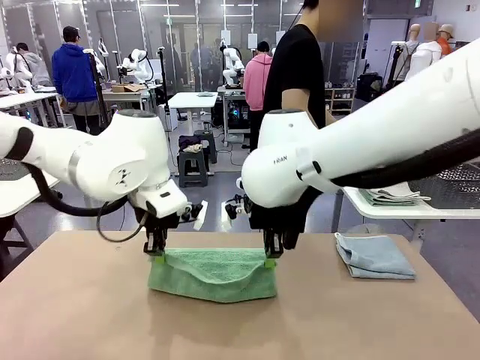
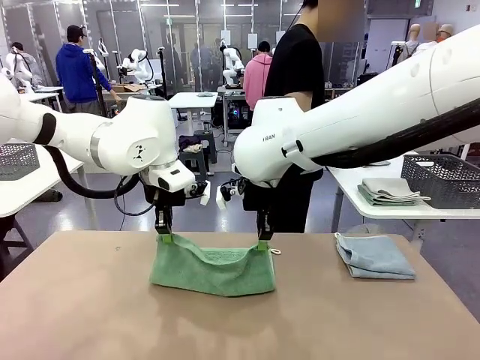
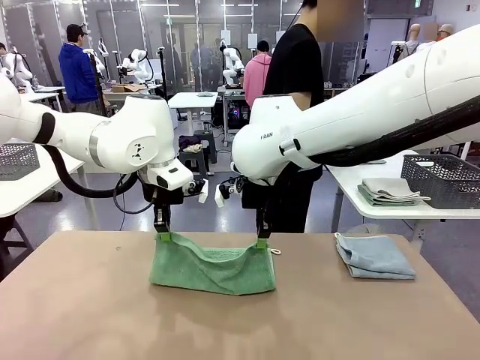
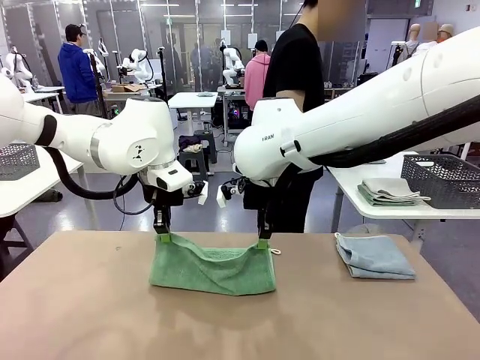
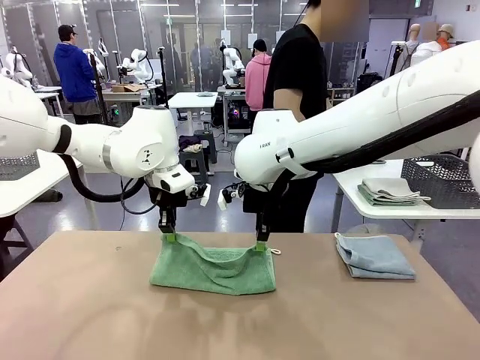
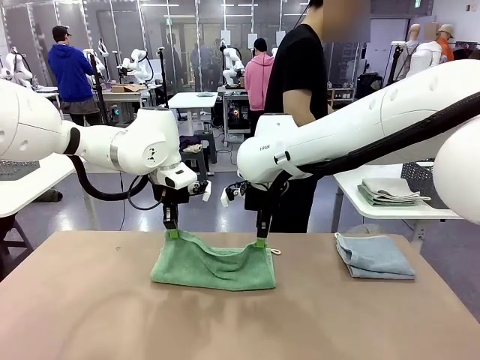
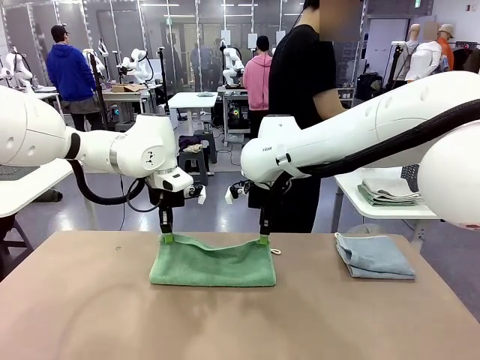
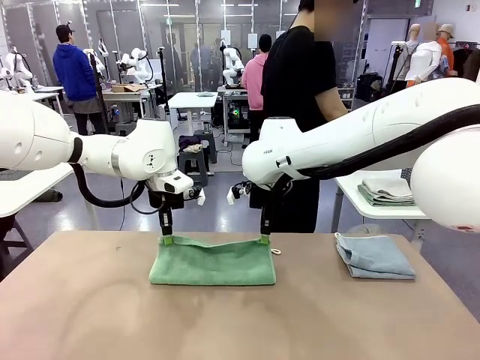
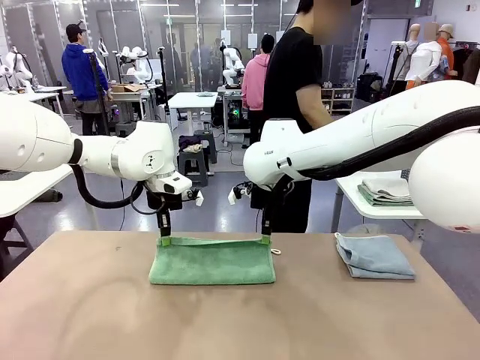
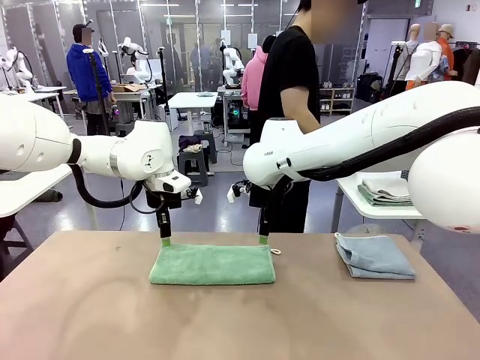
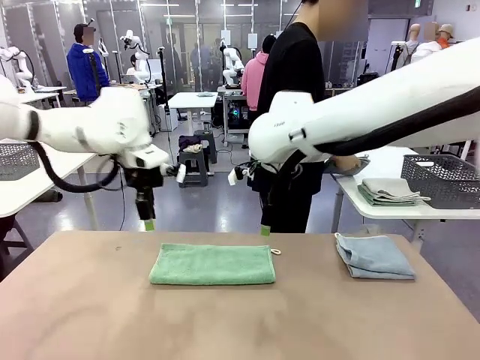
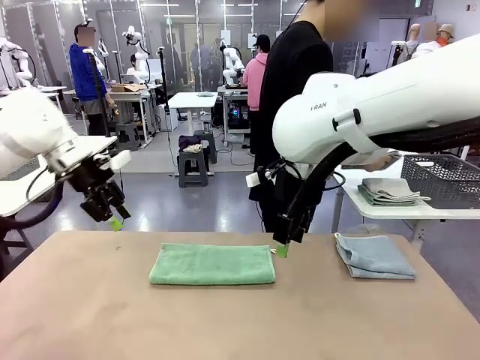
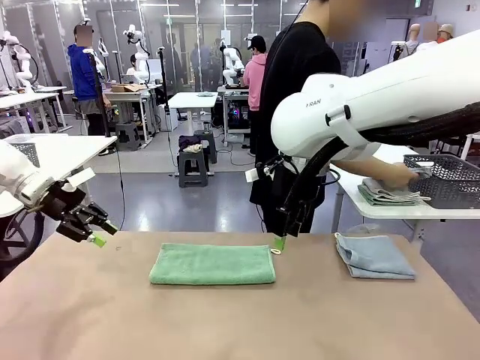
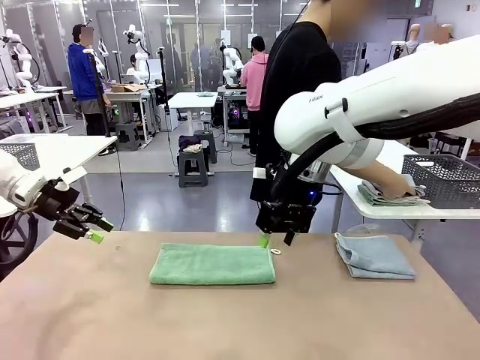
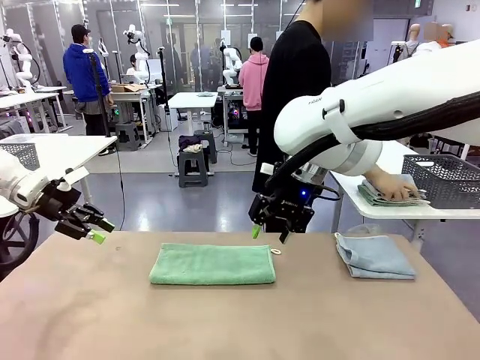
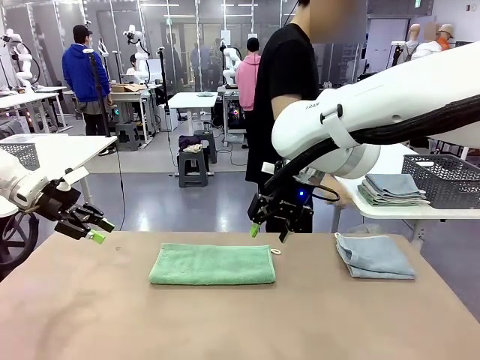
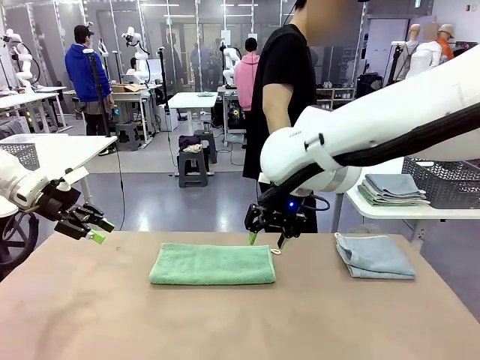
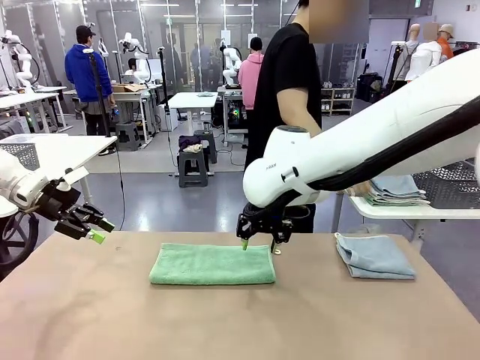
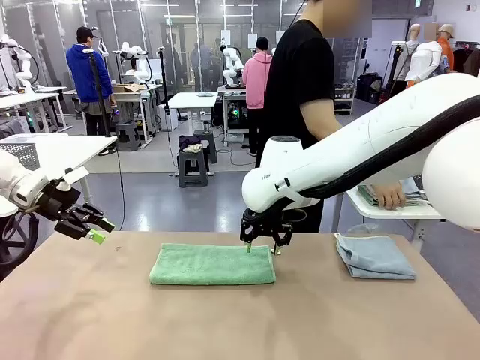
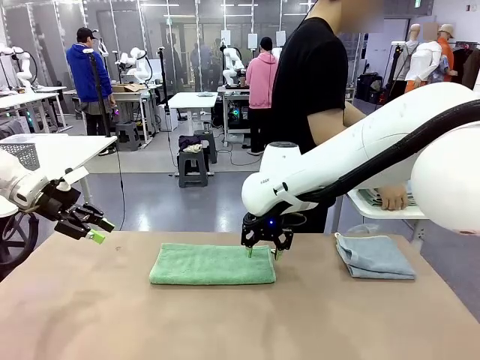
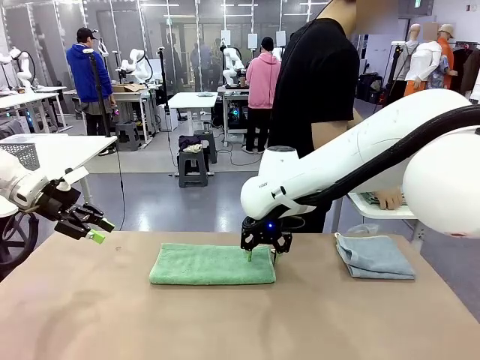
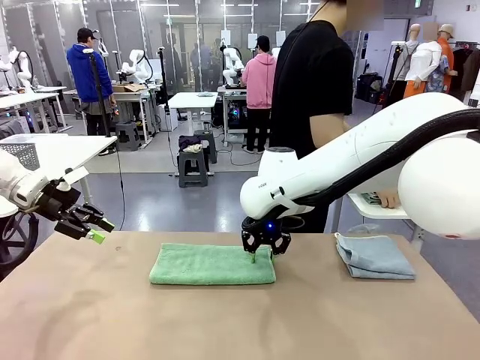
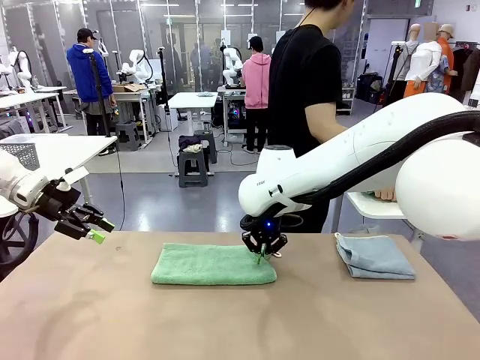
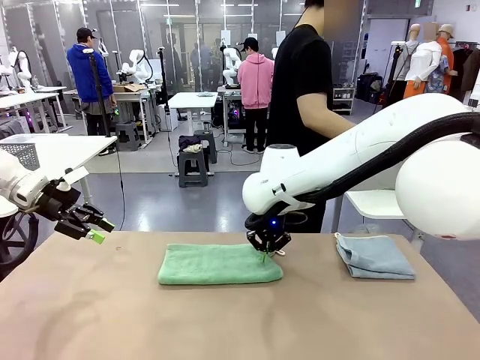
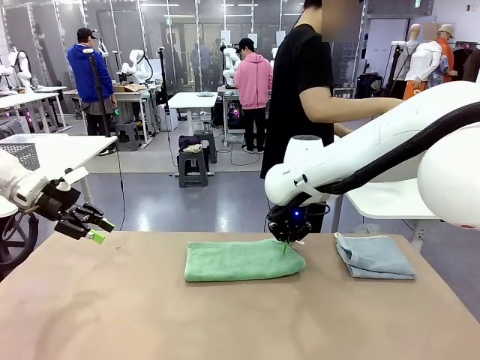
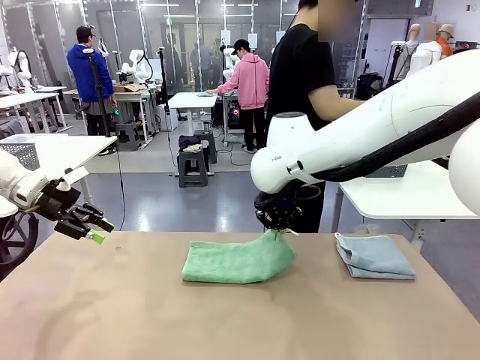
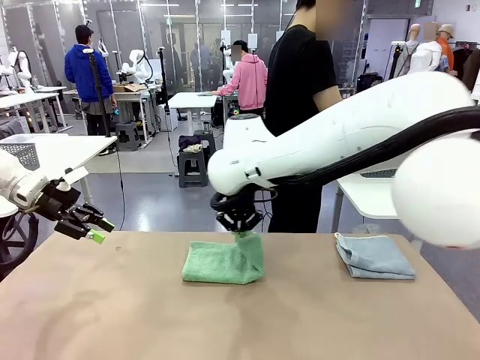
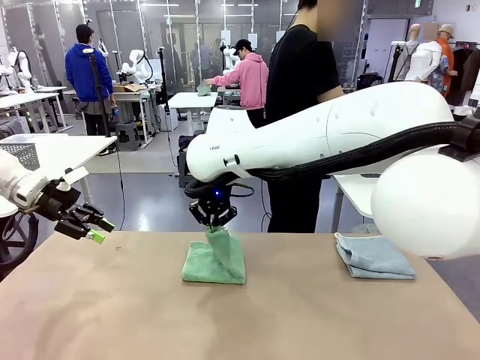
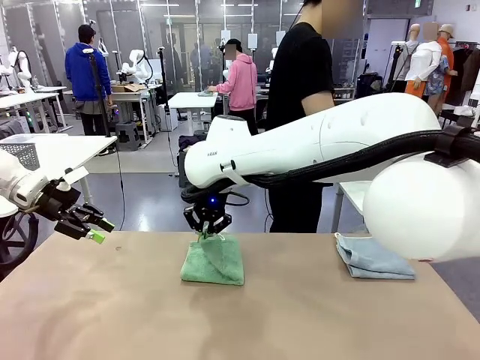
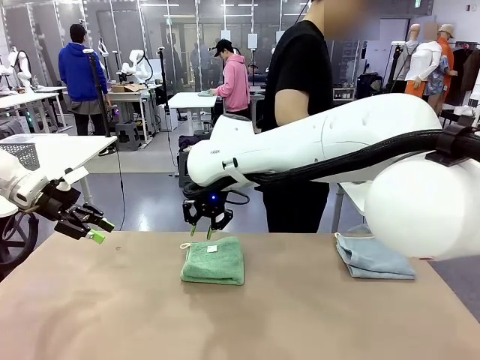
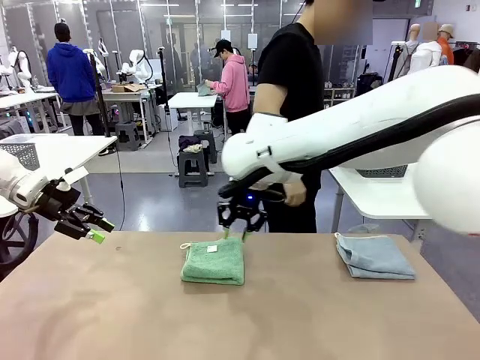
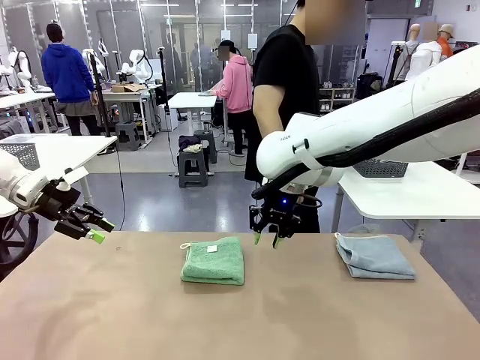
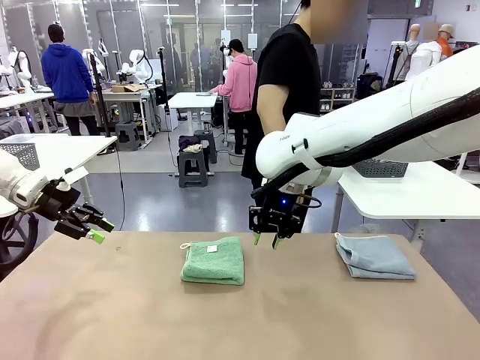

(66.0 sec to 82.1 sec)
Task: Fold the towels and place them in the basket.
Robot: When a person lays out a Towel with hook on the table, fold it in half twice.
Person: Pick up the stack of towels from the right side of the human table, place it into the basket, and put the basket at the center of the table.

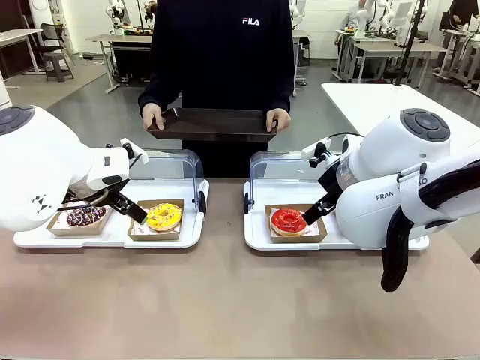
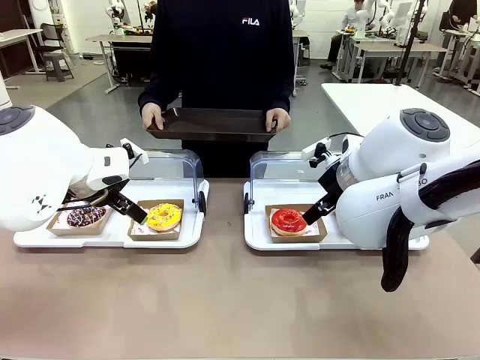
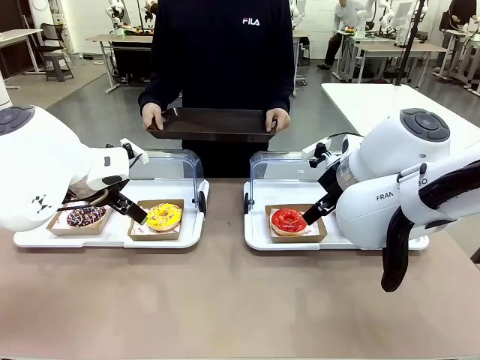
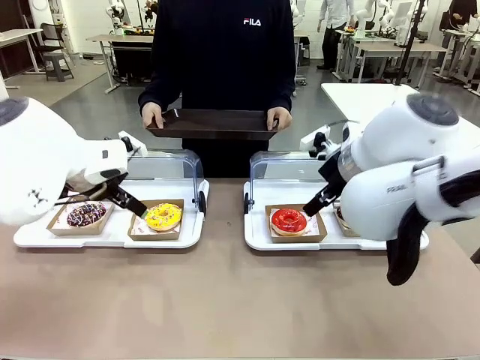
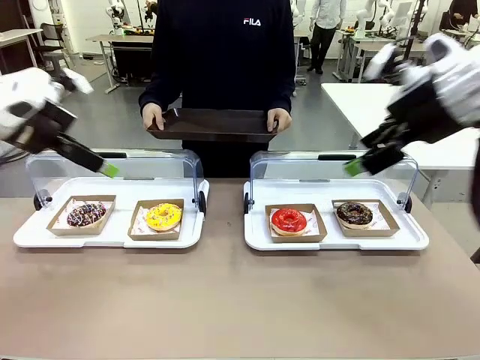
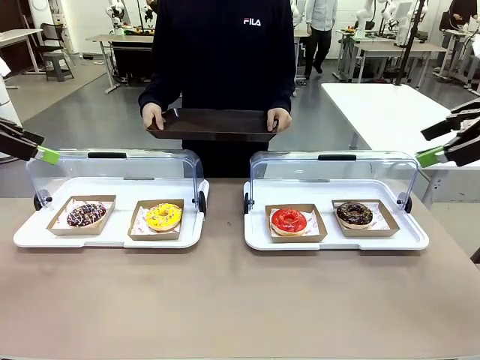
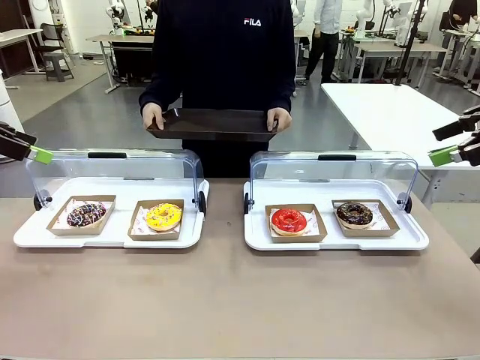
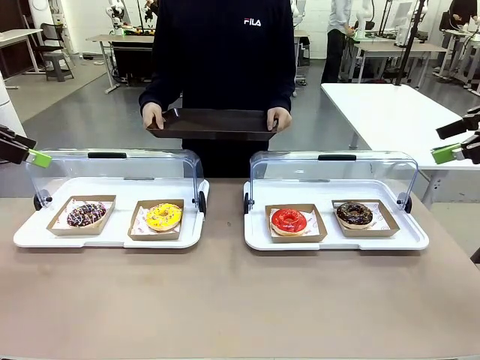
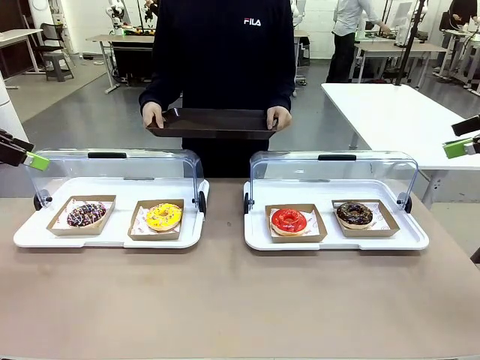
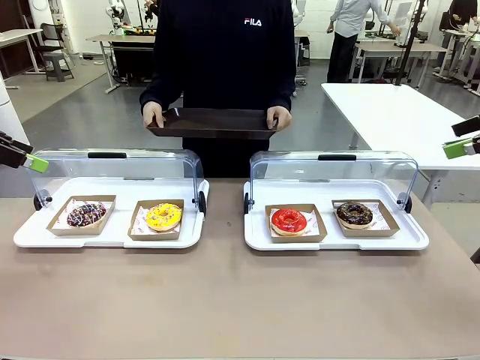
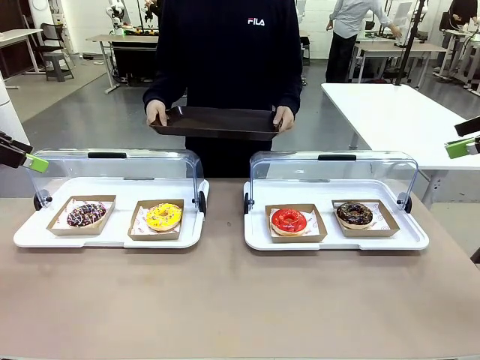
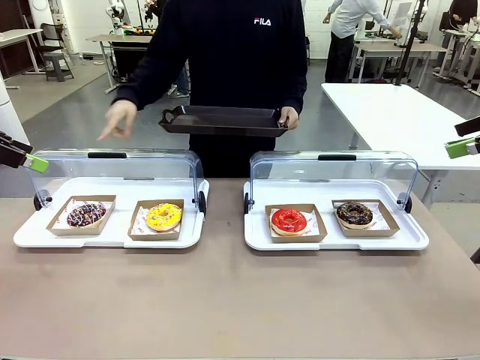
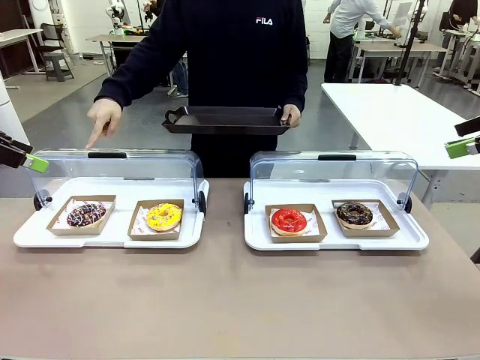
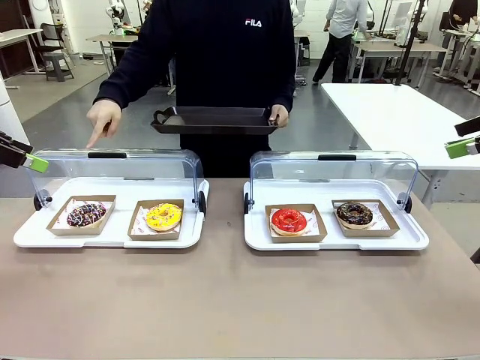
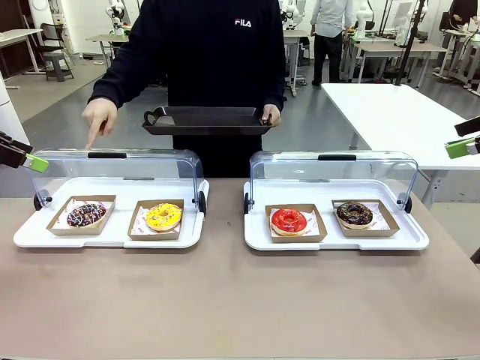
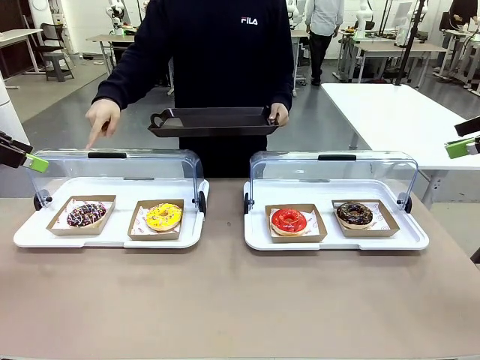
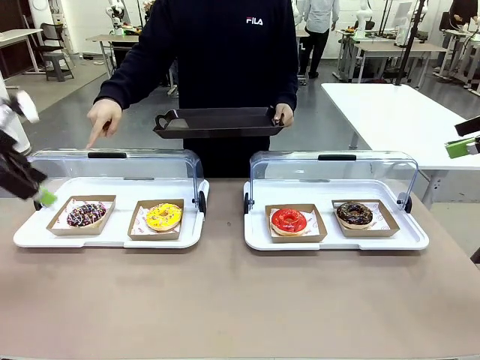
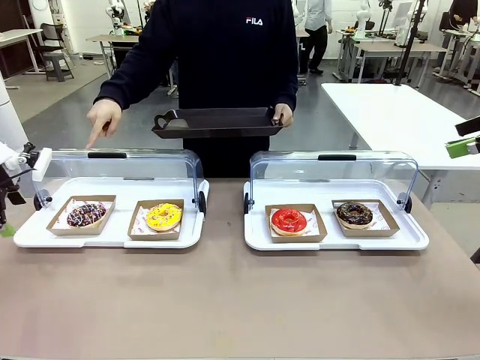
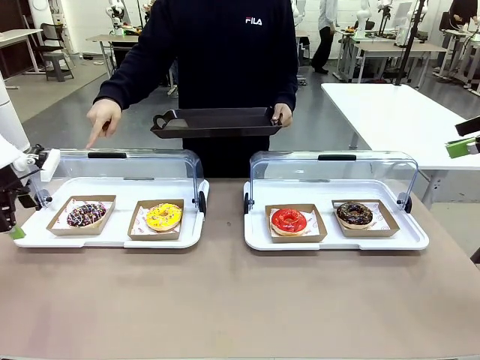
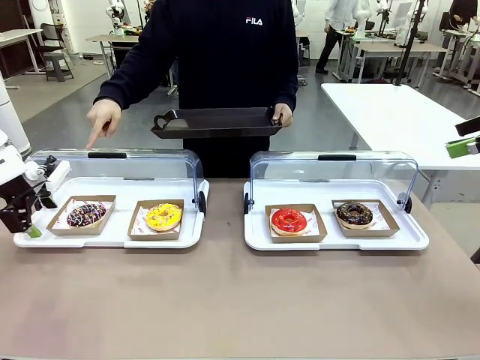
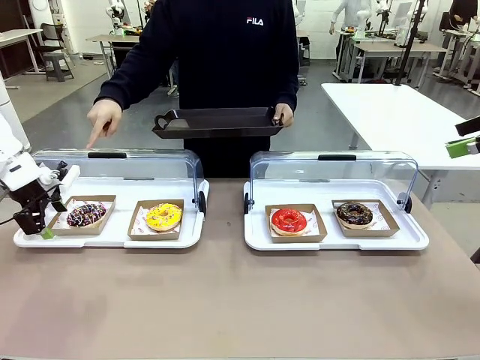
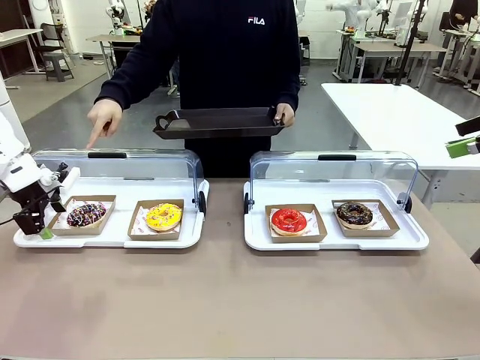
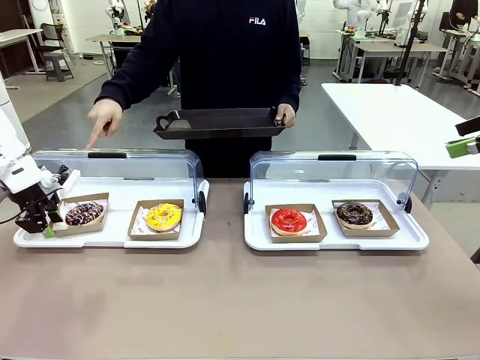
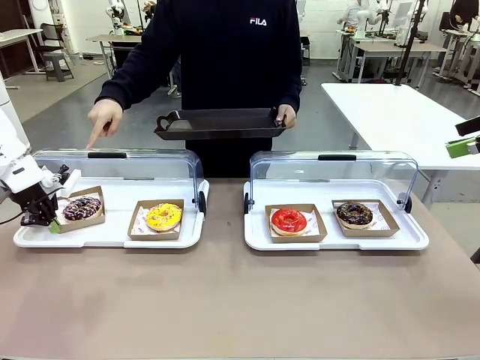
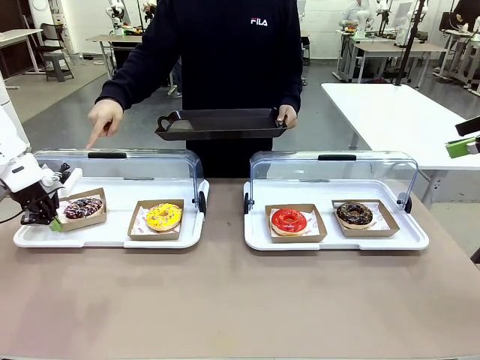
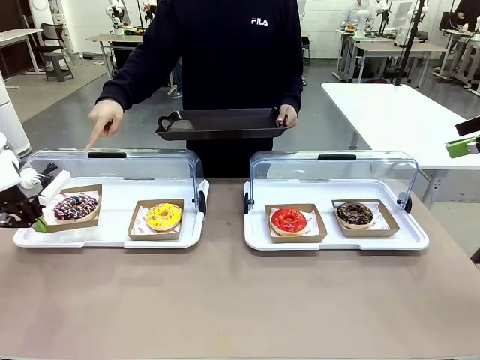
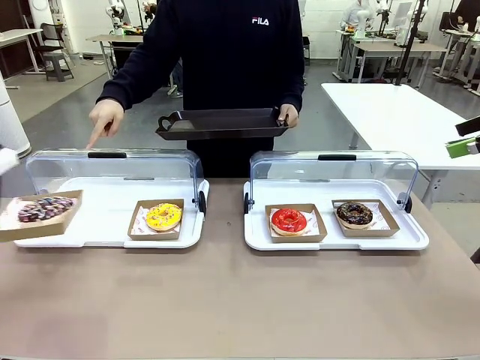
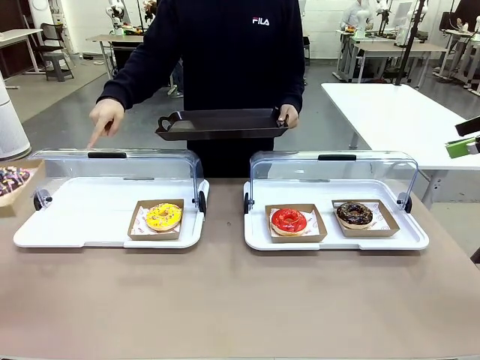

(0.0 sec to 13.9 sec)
Task: Provide the desired donut to the person.
Robot: Pick up and lift the Paper togo box containing the Donut pointed at by the person.
Person: Point to one donut. Lift the tray onto the Roll-Top Bakery Case.
